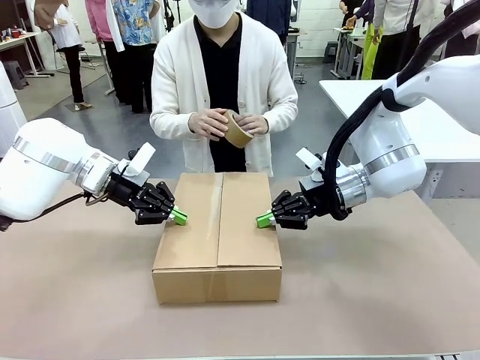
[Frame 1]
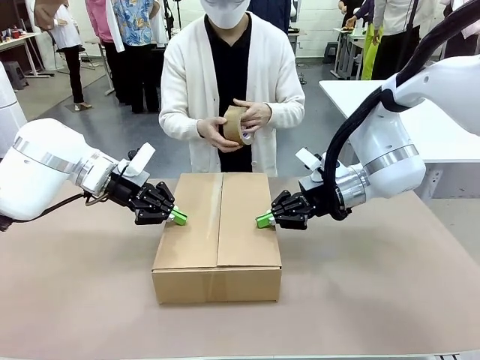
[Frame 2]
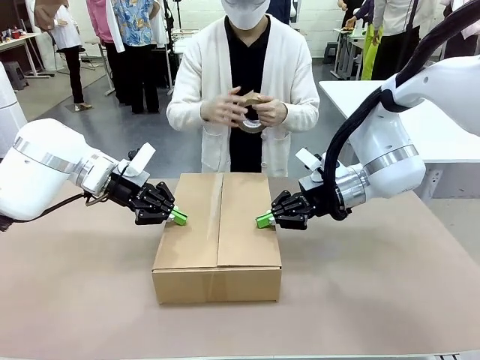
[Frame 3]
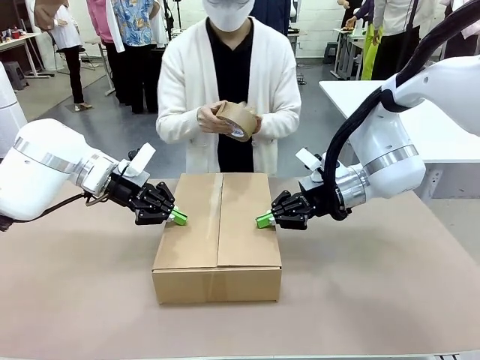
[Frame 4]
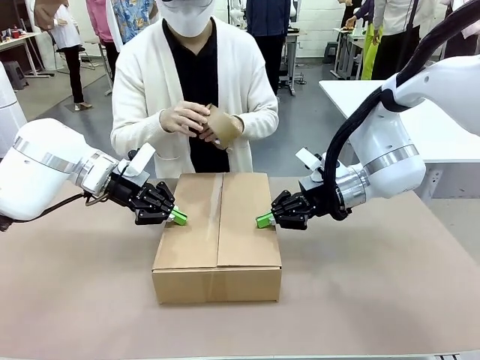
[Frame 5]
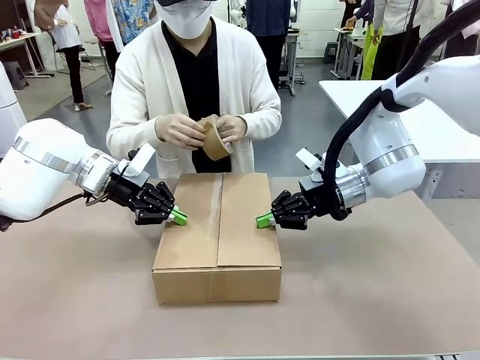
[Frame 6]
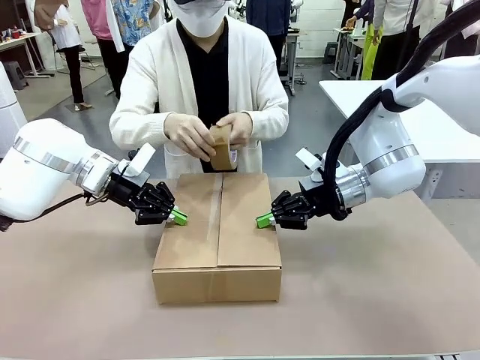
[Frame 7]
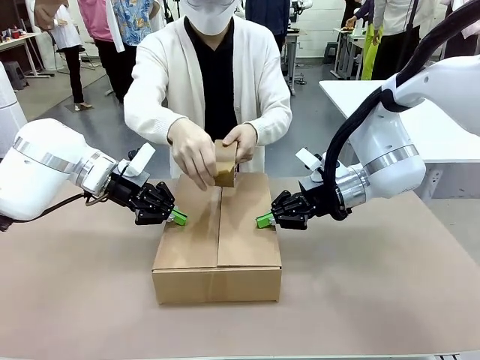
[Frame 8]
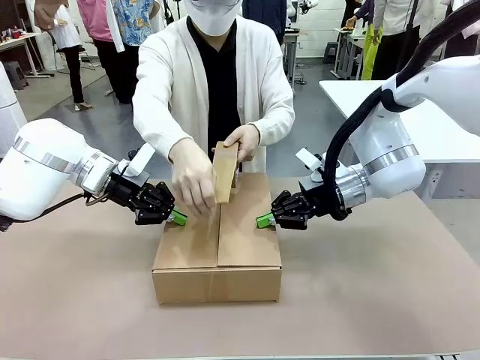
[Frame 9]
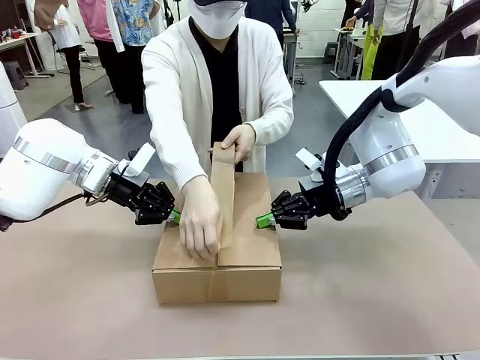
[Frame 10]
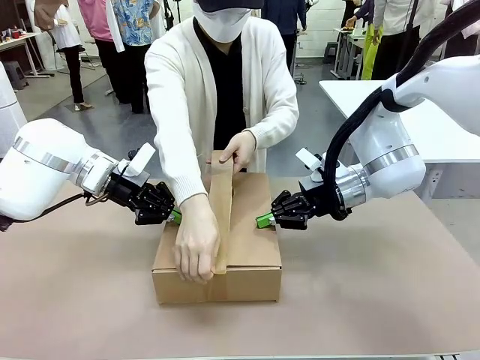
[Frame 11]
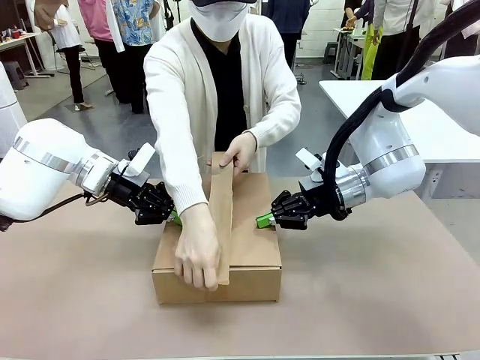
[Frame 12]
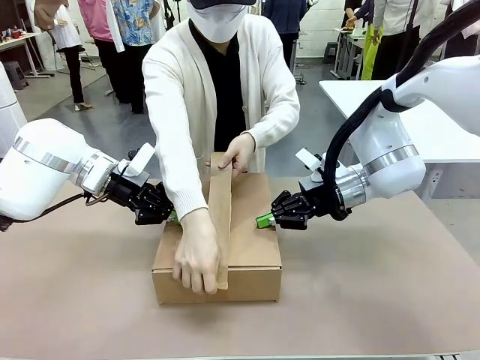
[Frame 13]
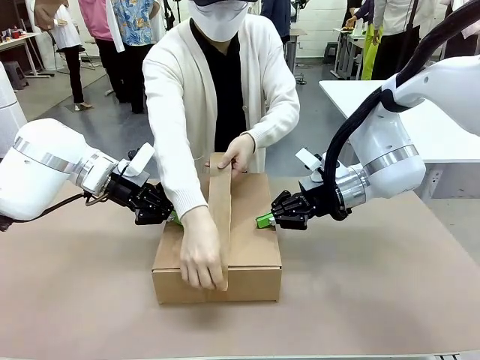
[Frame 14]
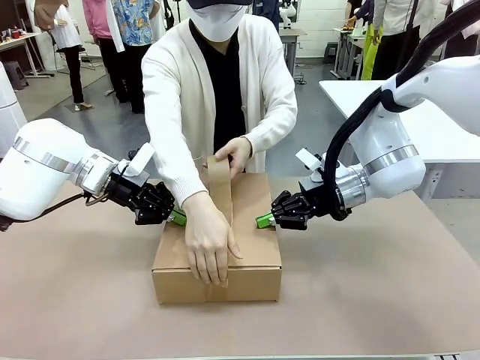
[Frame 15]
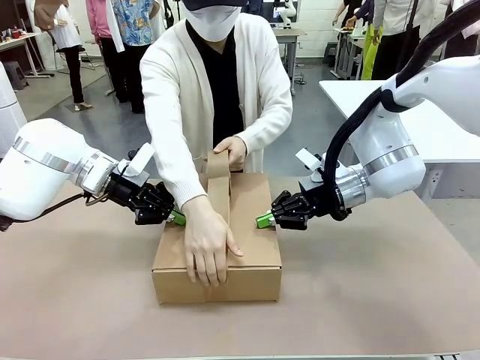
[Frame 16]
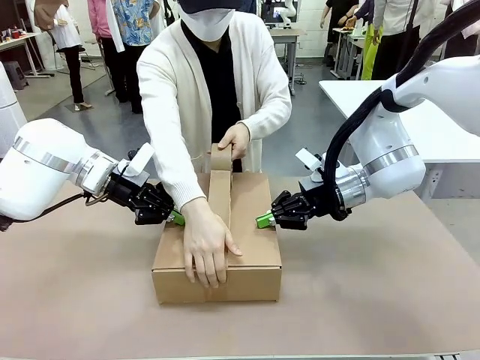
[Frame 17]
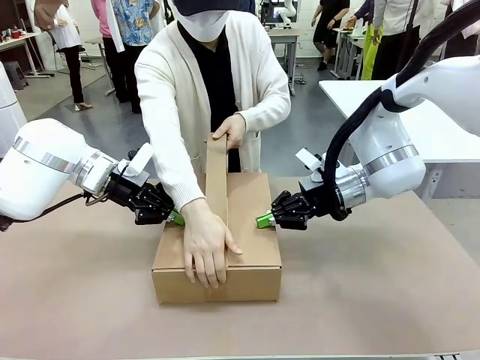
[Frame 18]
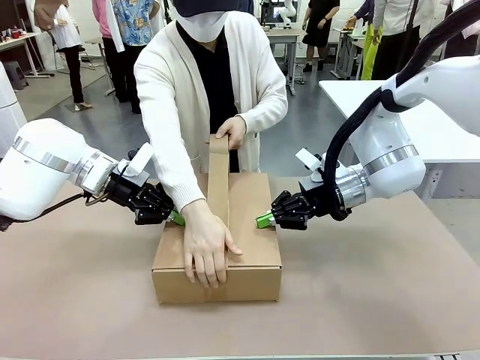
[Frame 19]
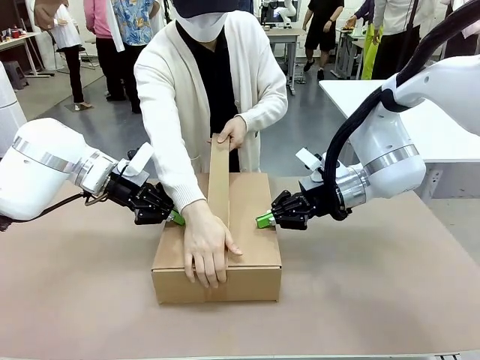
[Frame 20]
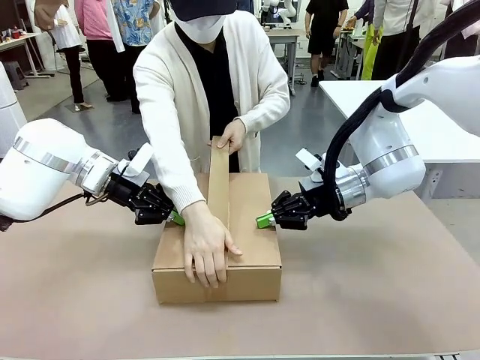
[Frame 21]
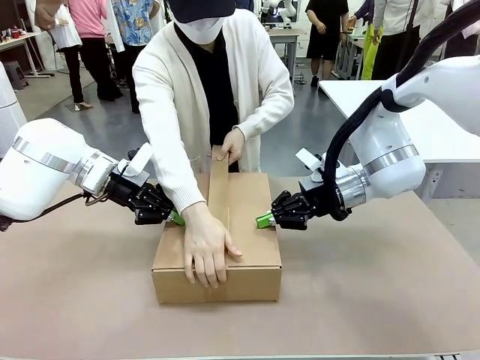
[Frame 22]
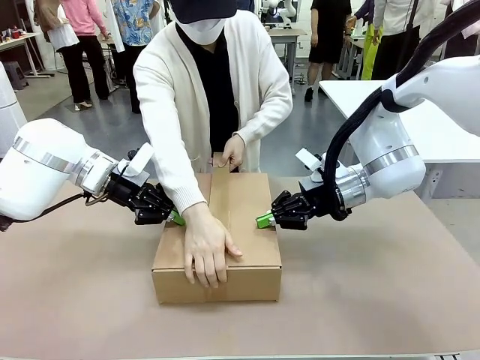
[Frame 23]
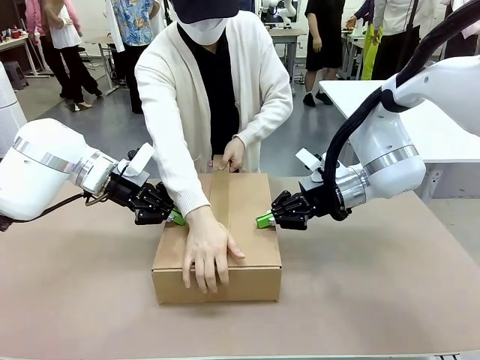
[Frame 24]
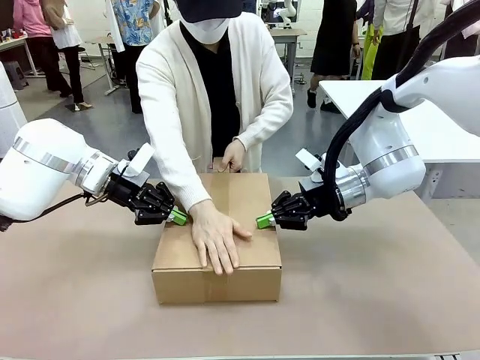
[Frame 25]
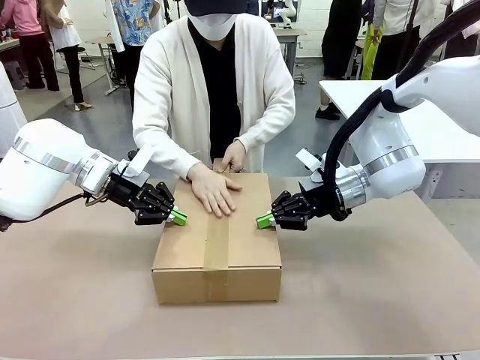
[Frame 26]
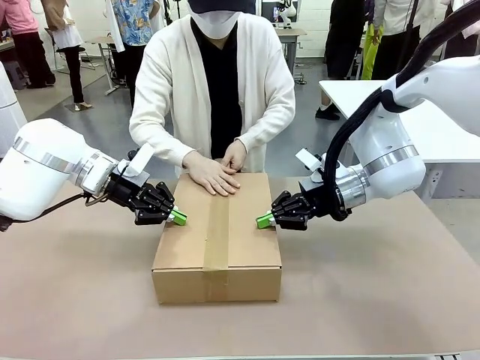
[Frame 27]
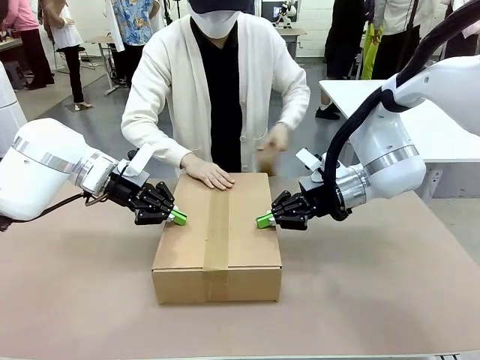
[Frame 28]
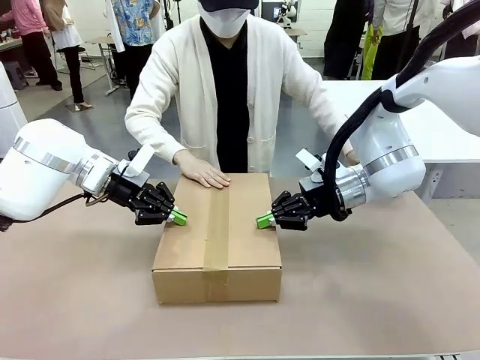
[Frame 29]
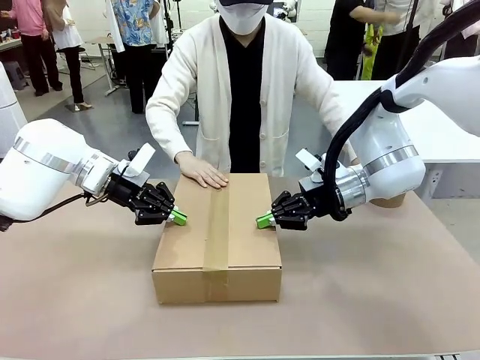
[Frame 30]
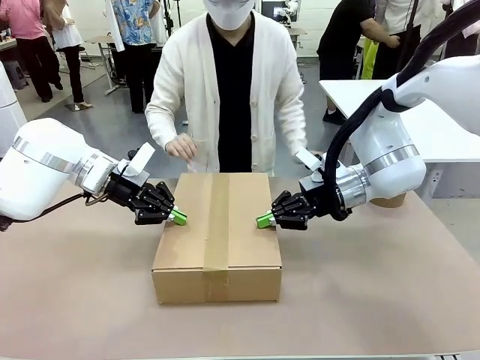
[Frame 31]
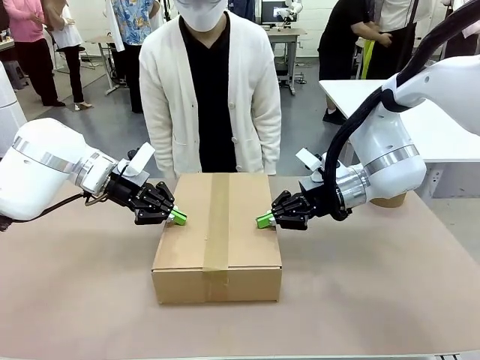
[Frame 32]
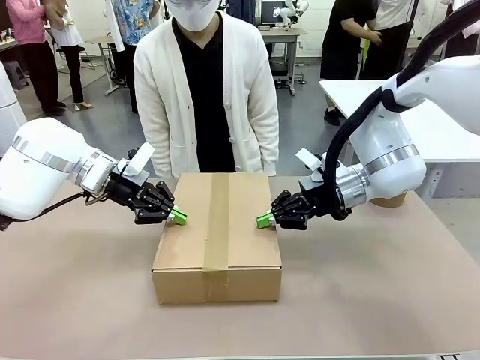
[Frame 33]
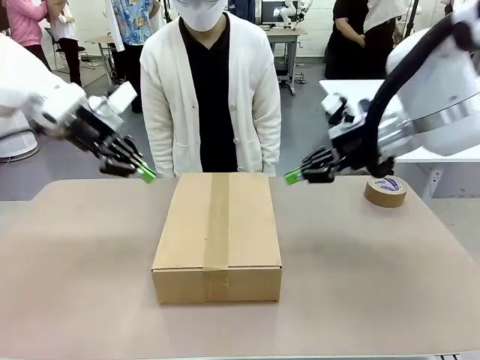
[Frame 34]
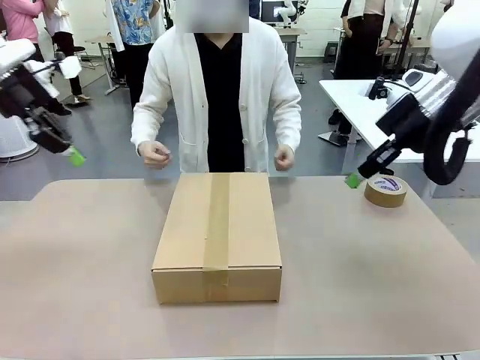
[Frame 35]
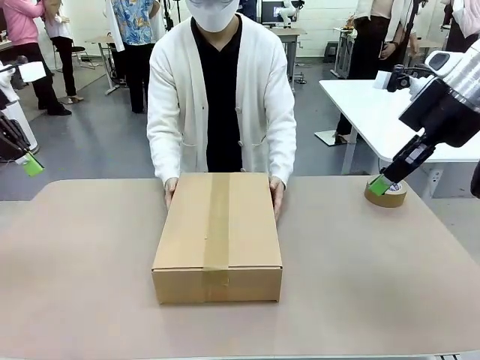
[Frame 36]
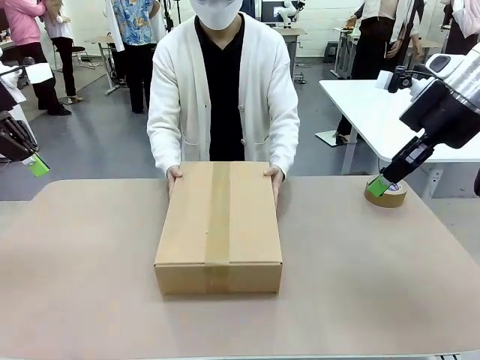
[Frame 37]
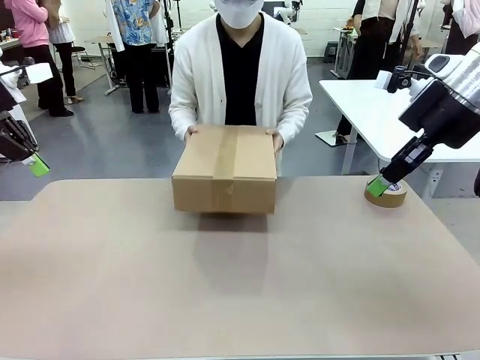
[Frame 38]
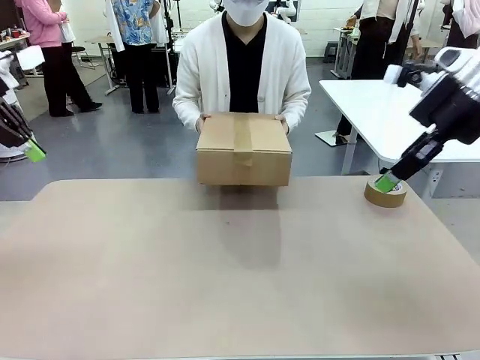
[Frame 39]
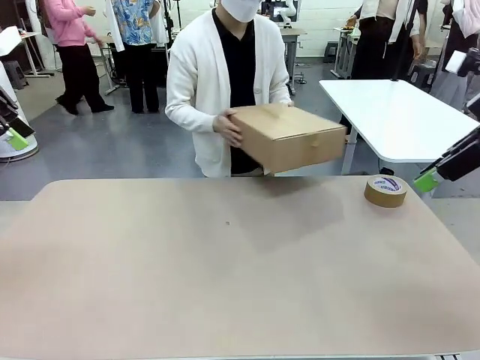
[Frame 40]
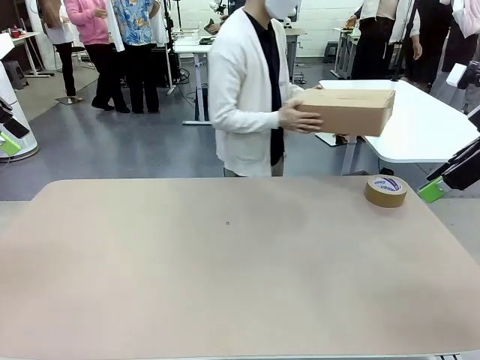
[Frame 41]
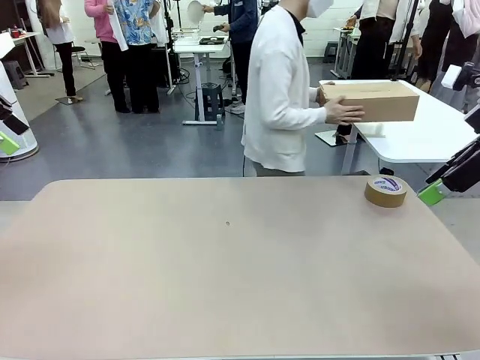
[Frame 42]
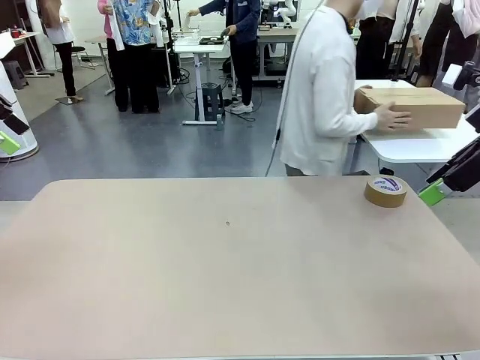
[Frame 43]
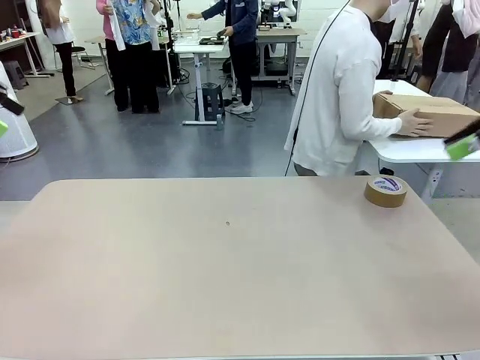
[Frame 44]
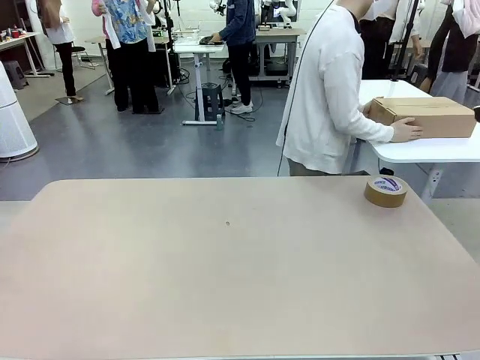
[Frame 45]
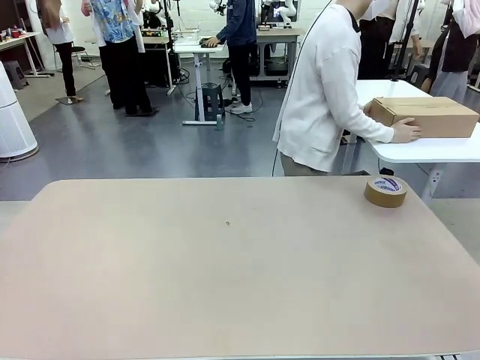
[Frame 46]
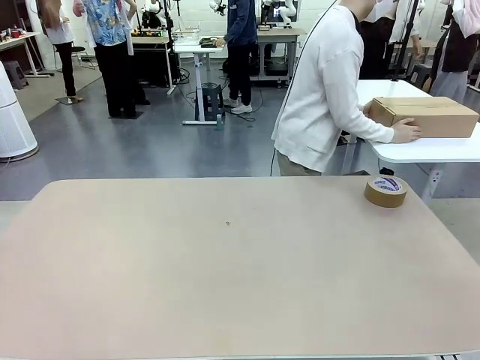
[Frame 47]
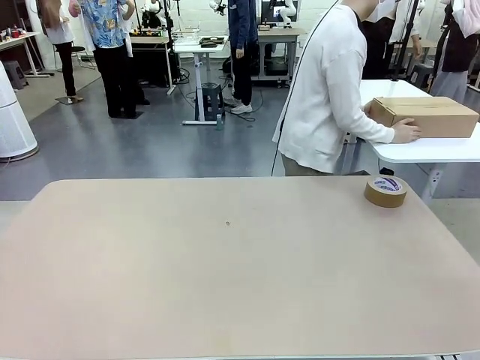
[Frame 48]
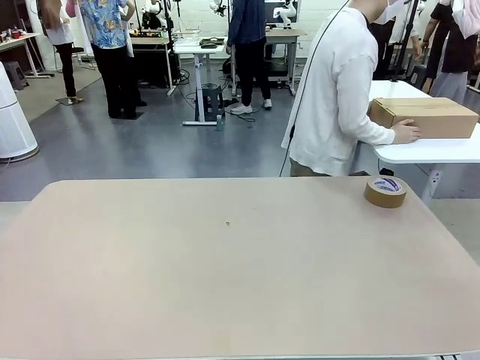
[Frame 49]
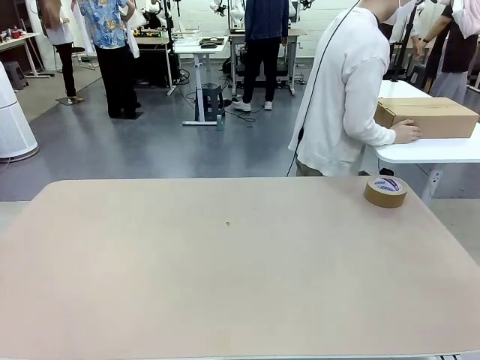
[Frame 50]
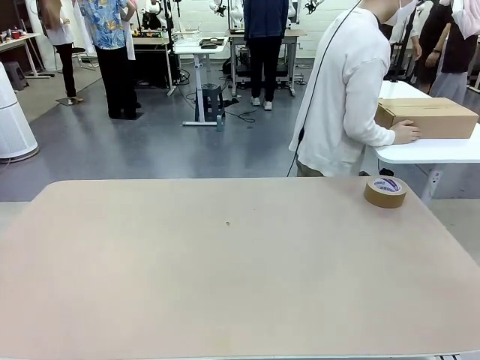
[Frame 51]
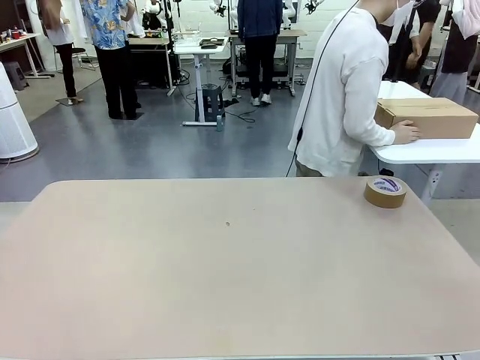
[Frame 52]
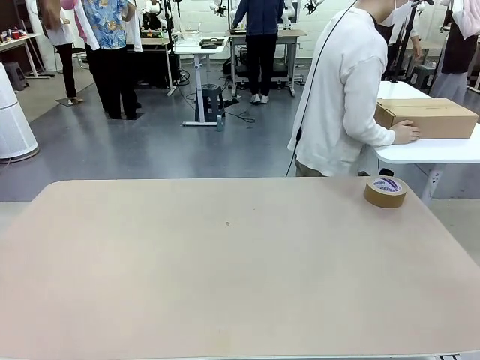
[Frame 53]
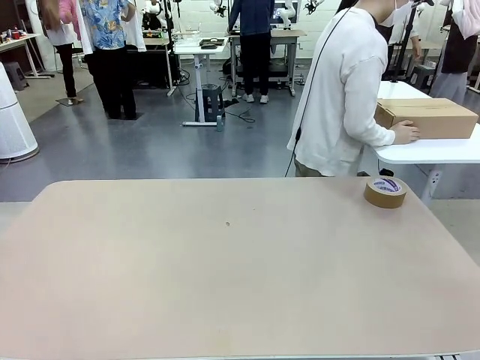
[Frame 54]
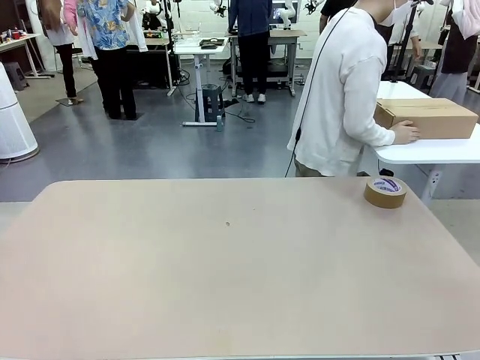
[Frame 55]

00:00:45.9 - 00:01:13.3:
Task: Wrap the clocks to prevent damage.
Robot: After the human seals the box with tape, release both hands from the side flaps of the Package Box.
Person: Once the robot closes the left flap of the Package Box , seal the box with Paper Tape. Place sealed Package Box in the middle of the human's table.
